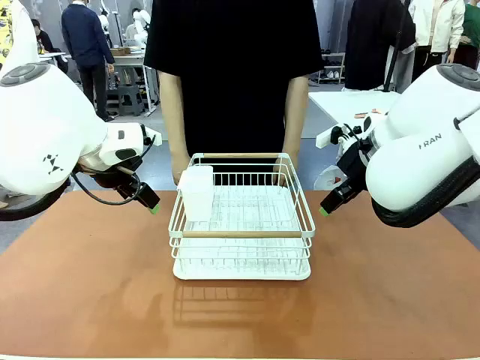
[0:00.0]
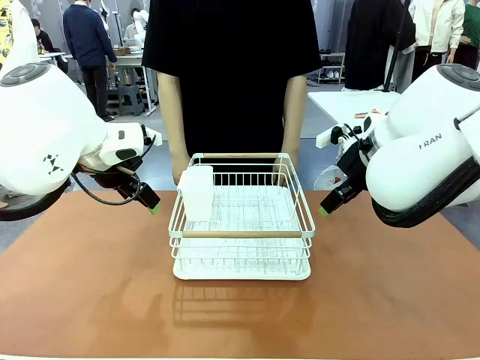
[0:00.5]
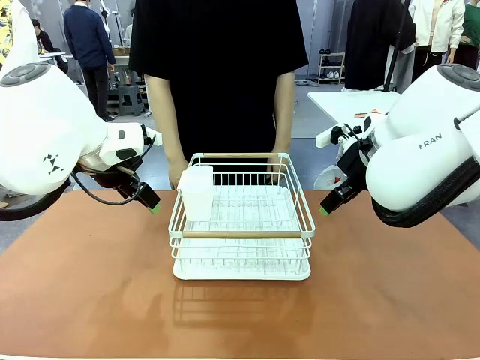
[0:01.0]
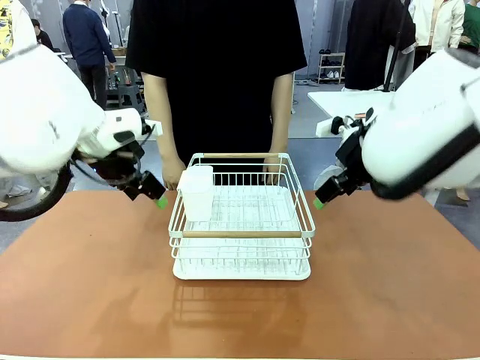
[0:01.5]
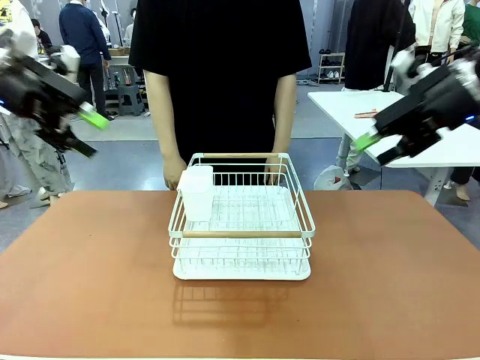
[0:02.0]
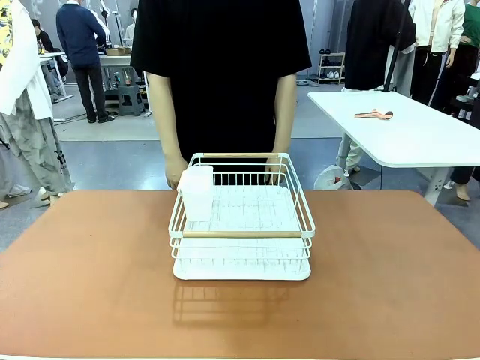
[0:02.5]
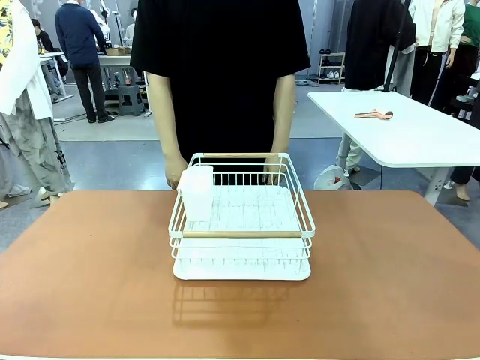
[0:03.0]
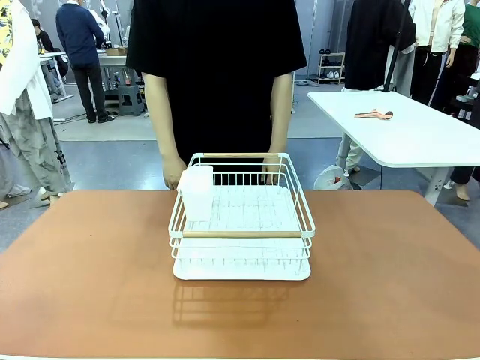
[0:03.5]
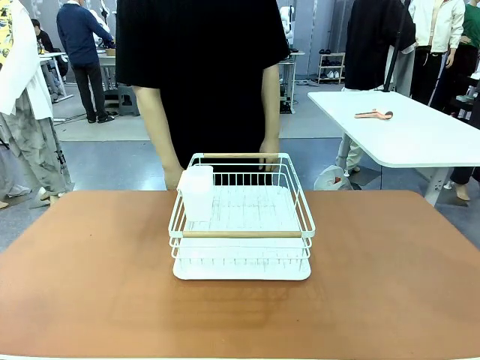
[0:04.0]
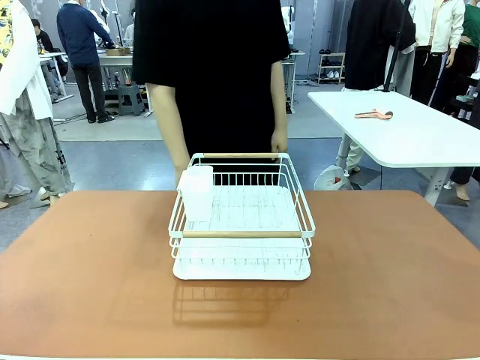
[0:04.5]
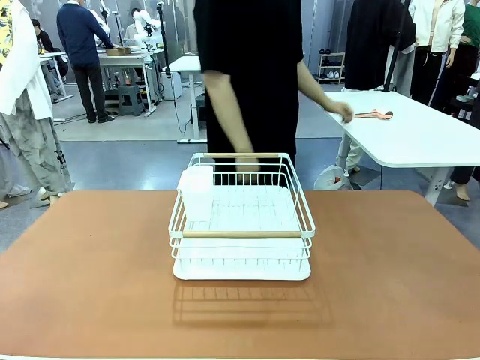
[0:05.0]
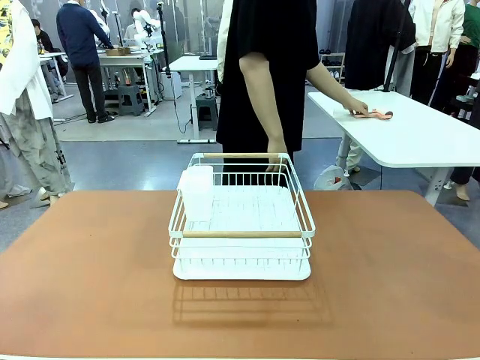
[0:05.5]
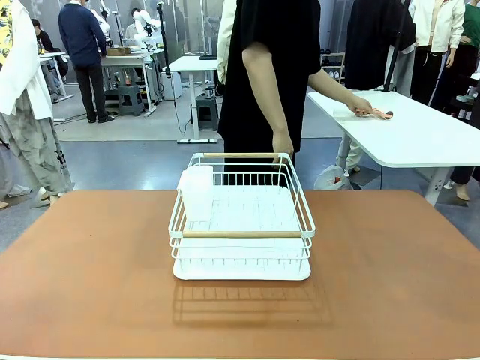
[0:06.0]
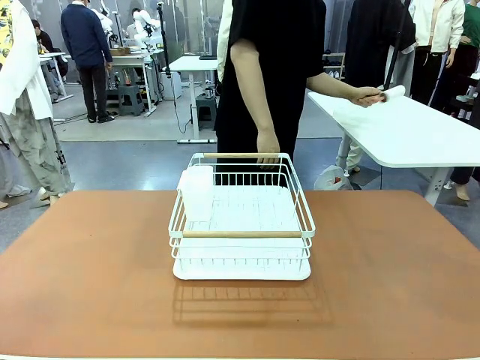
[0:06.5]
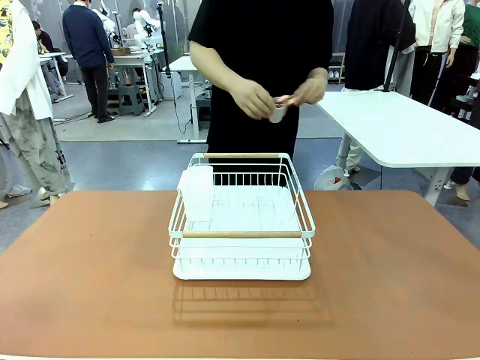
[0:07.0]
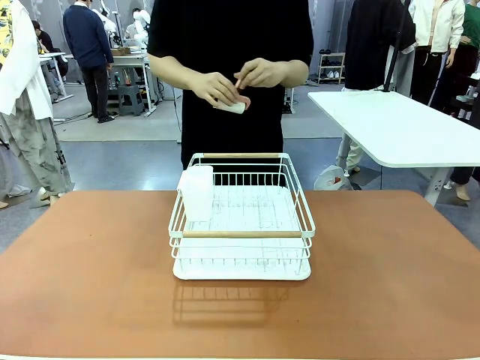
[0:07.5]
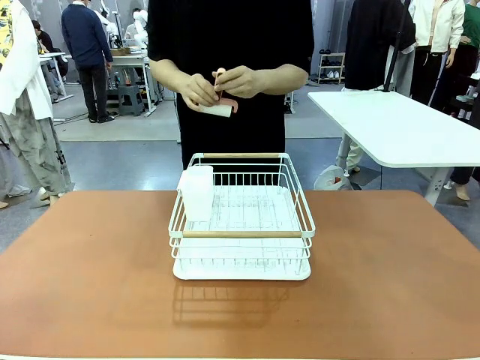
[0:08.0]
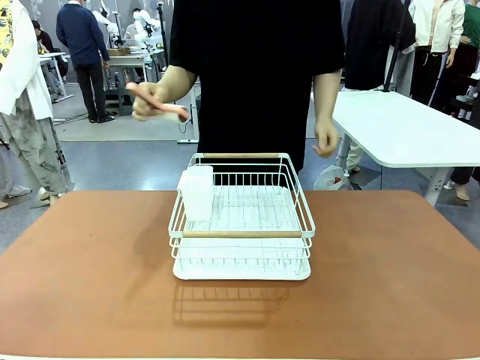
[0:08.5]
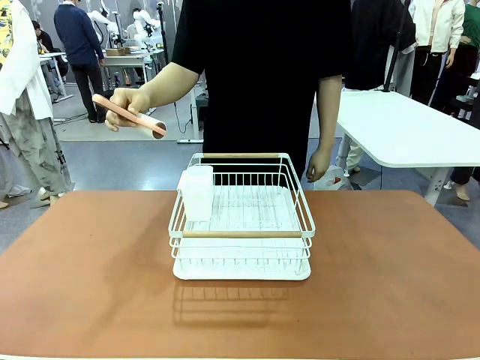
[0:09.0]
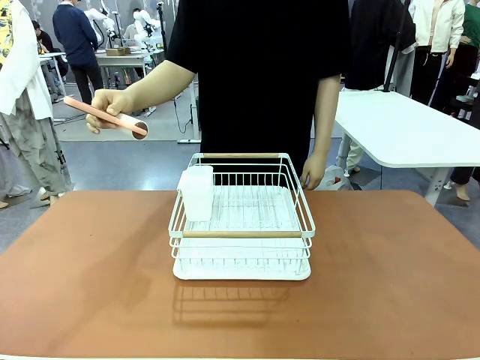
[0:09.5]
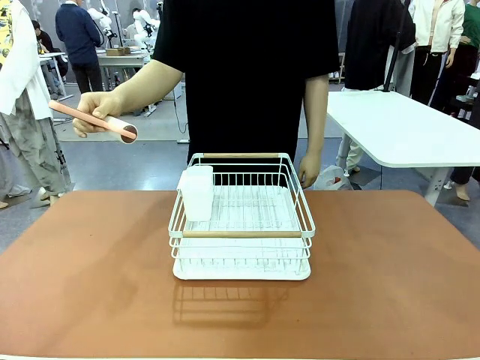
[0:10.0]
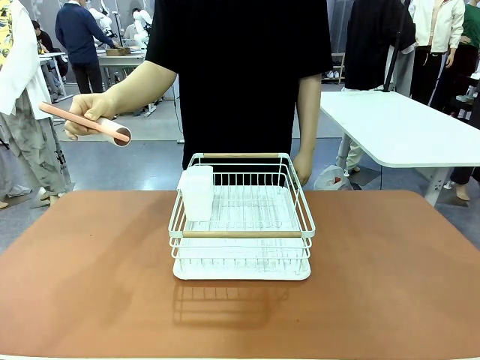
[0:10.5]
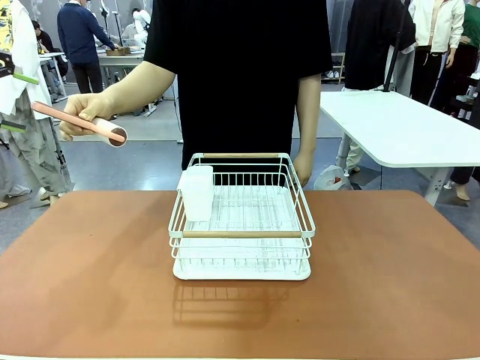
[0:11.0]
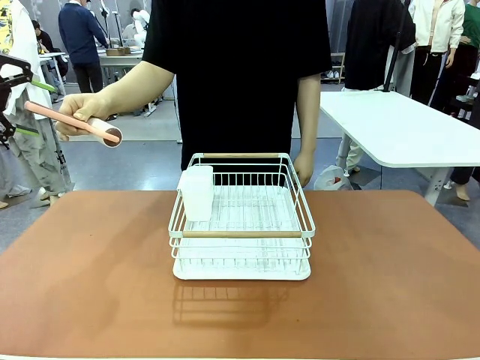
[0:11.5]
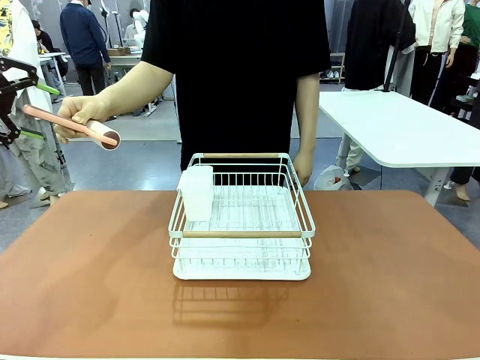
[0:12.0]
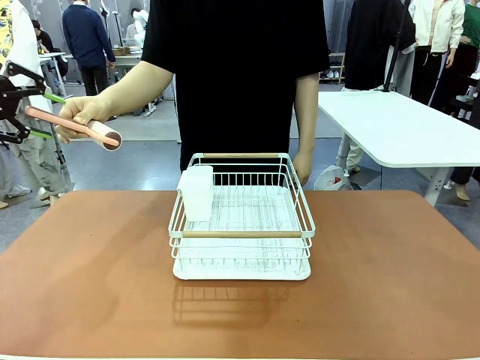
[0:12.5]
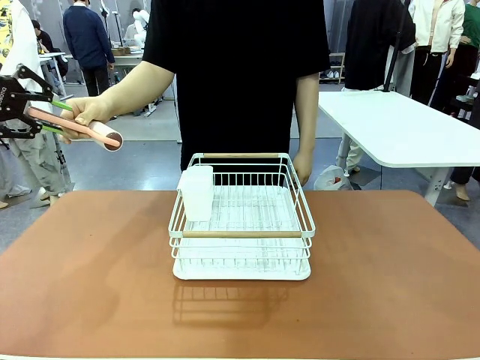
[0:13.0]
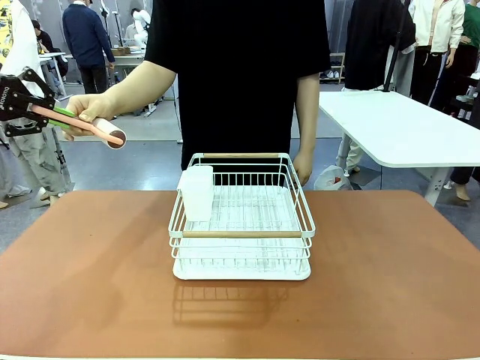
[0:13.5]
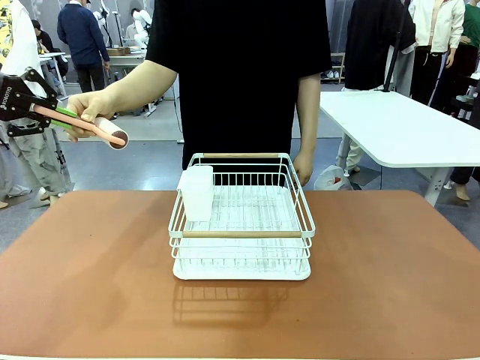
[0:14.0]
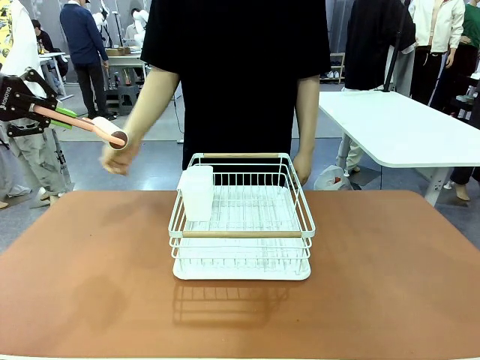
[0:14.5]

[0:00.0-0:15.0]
Task: Clean the table.
Robot: Pick up the Lint Roller when the human hands it over.
Person: Hand the Lint Roller to the robot so it can easily pick it up. Lift the Dish drying rack.

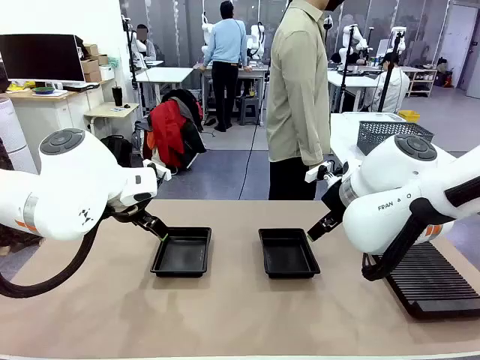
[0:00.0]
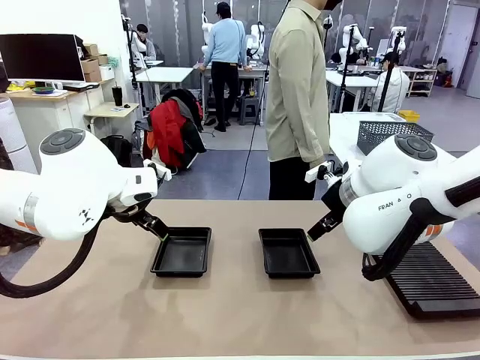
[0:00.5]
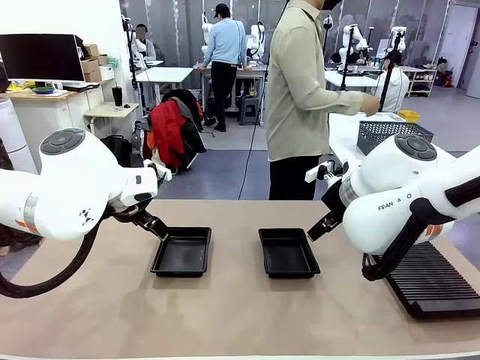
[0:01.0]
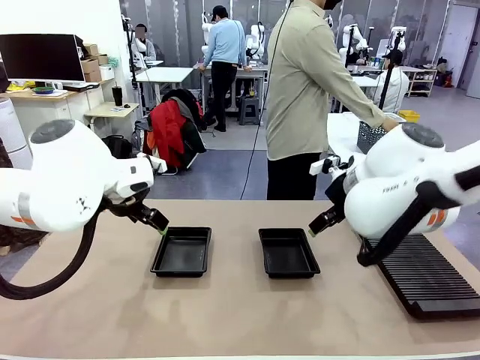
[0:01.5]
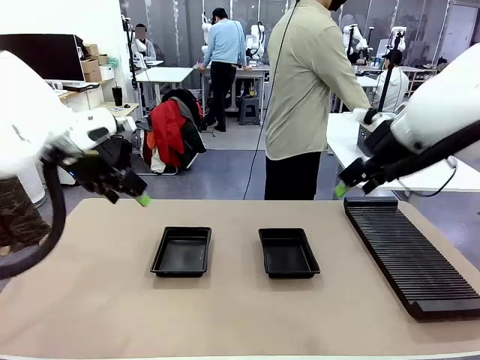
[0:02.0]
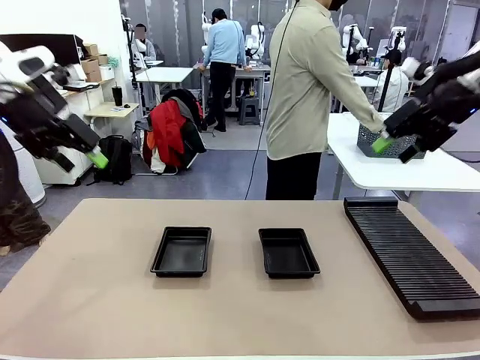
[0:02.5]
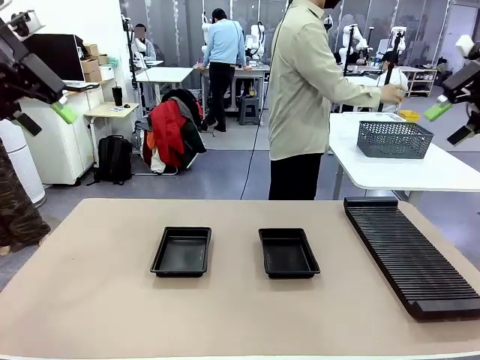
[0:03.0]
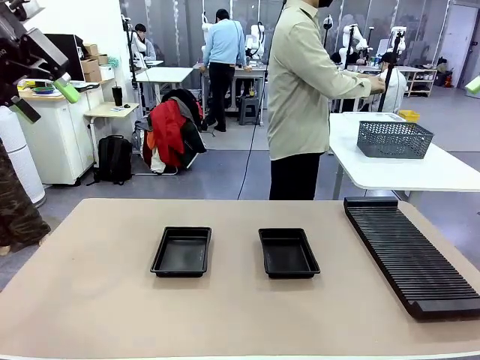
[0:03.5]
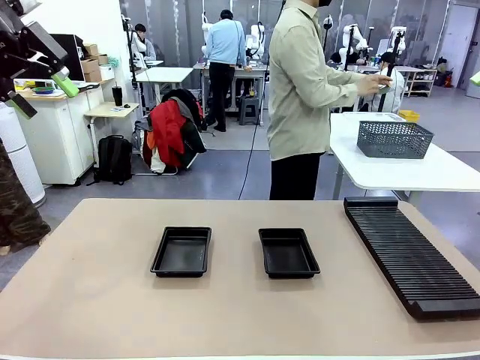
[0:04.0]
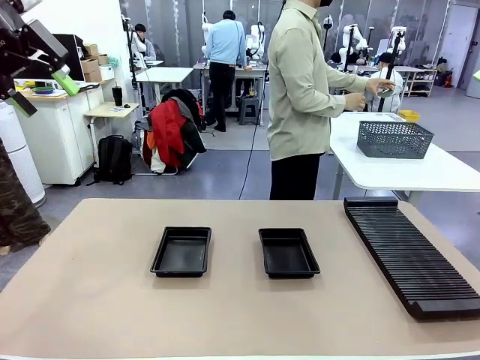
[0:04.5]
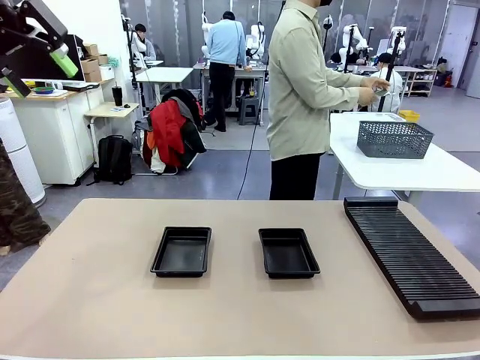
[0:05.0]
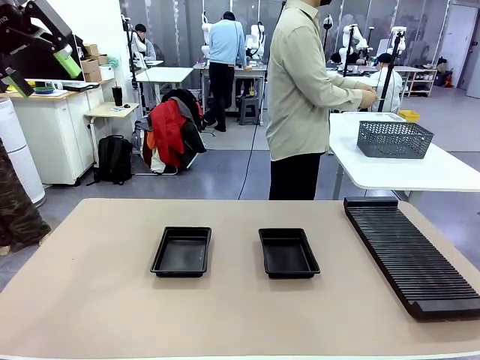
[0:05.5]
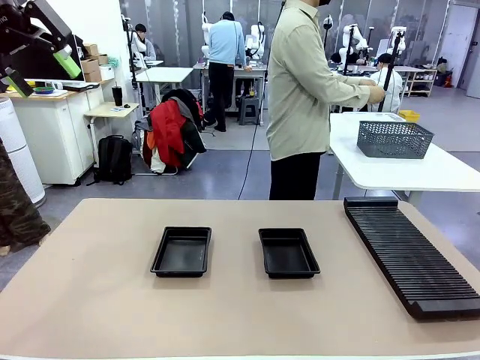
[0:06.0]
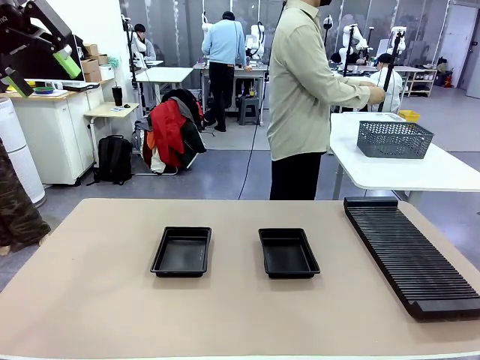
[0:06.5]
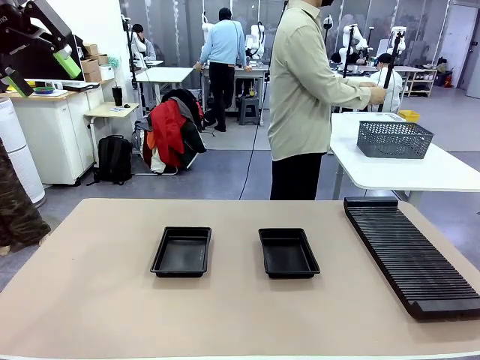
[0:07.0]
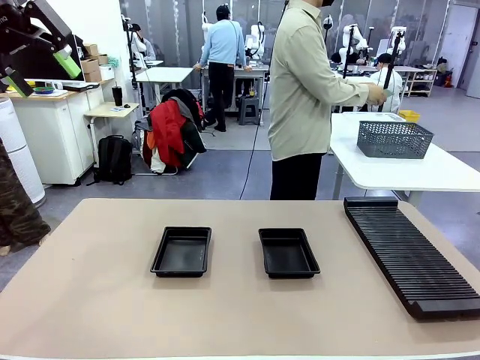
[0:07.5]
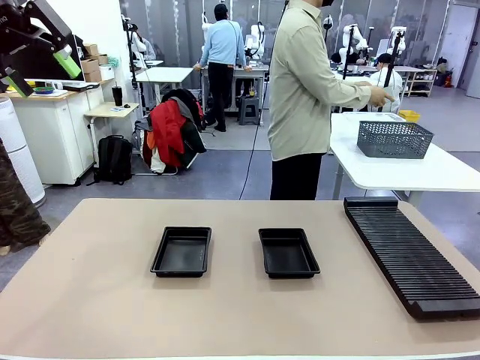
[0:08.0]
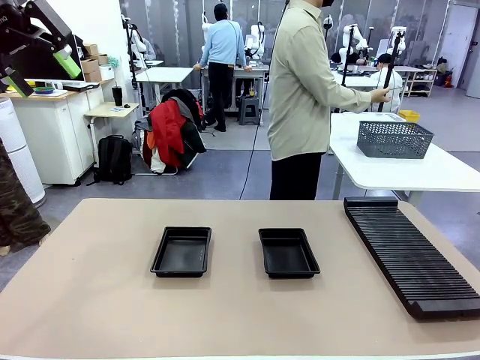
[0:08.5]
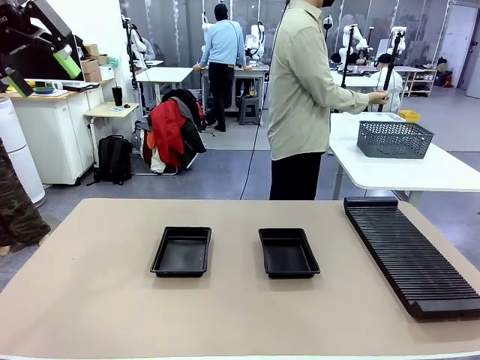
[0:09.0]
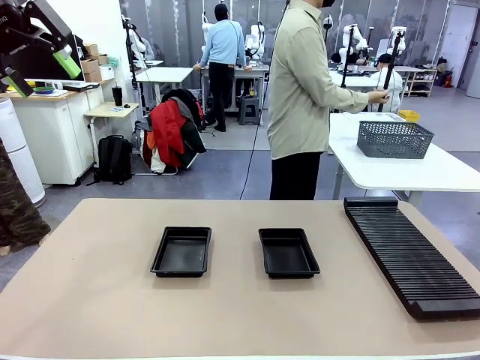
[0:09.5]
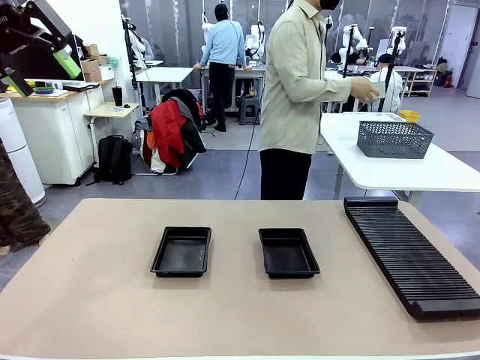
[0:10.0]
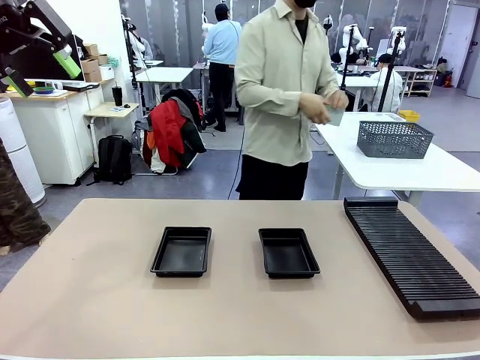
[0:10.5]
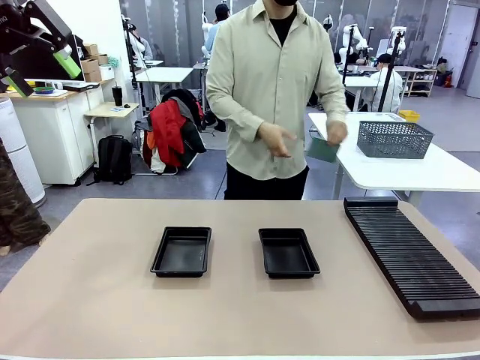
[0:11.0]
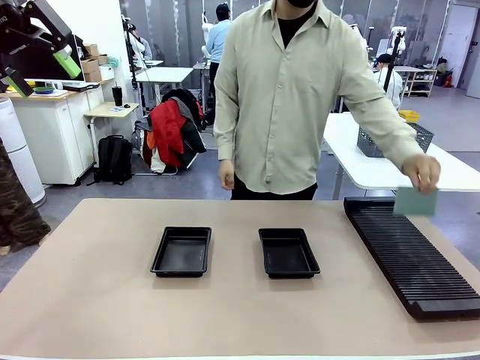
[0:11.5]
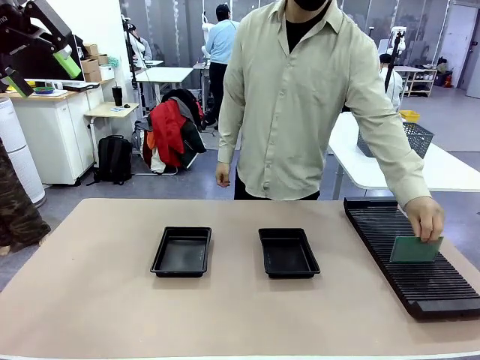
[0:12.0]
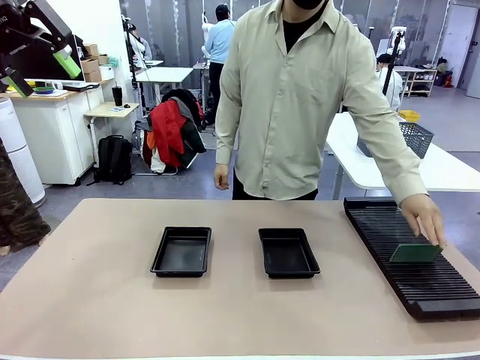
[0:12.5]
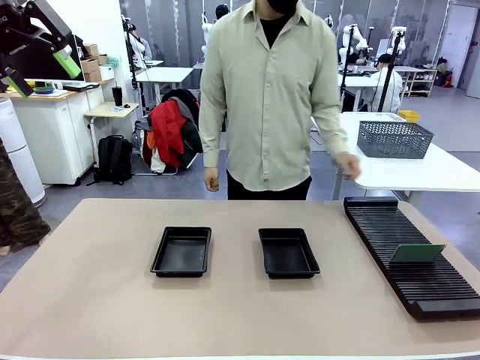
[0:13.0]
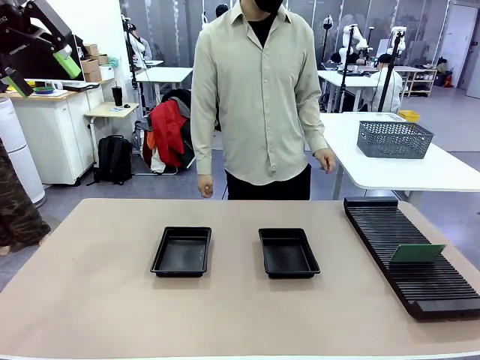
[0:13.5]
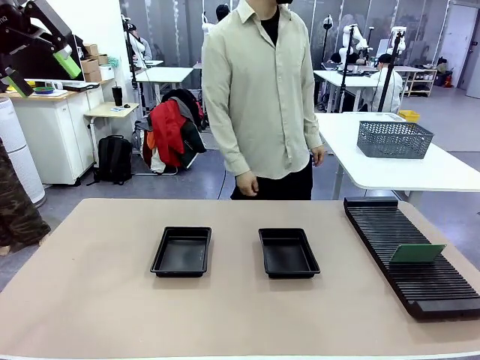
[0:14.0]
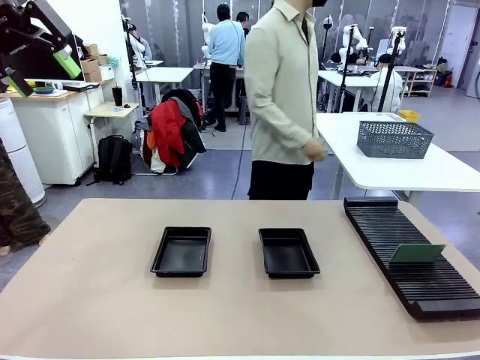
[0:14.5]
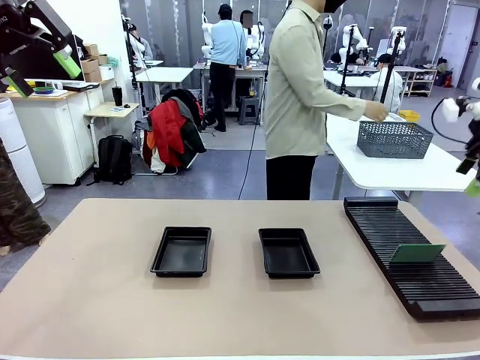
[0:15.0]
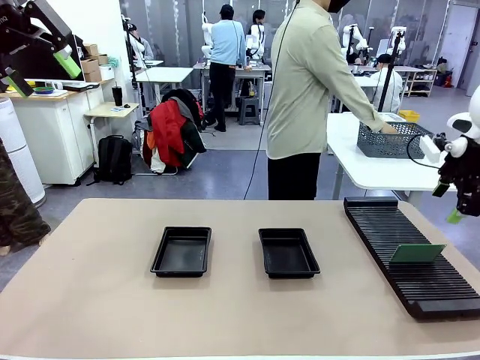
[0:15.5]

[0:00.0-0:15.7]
Task: Inspect and transfer BCBs to ESD trays.
Robot: Pick up the Blank PCB from the PCB Rack and place it in the left ESD tray.
